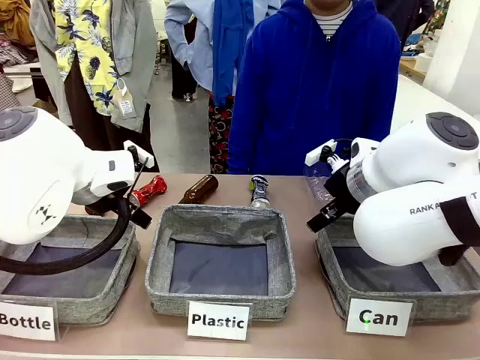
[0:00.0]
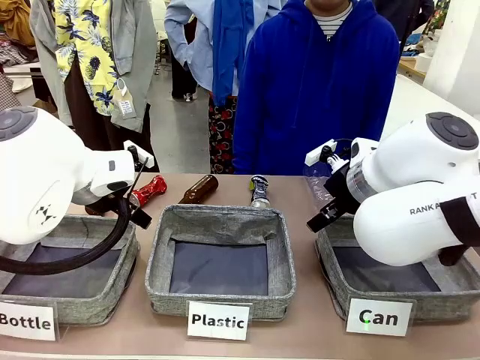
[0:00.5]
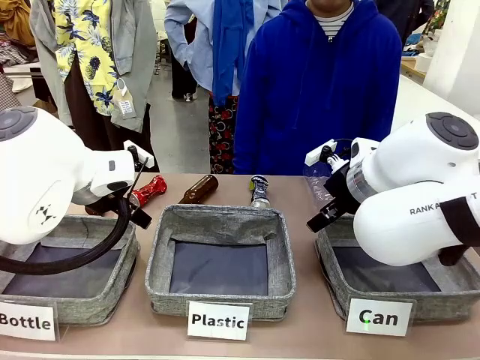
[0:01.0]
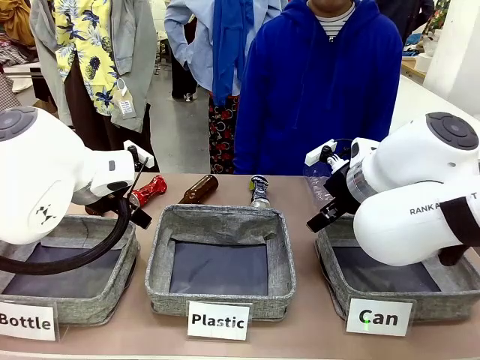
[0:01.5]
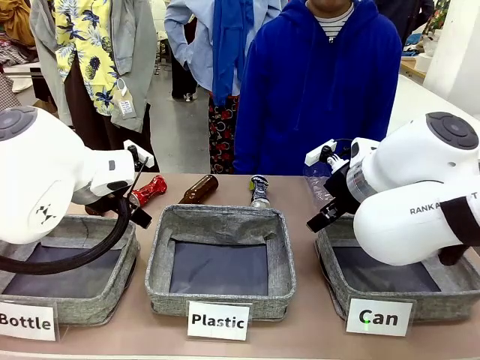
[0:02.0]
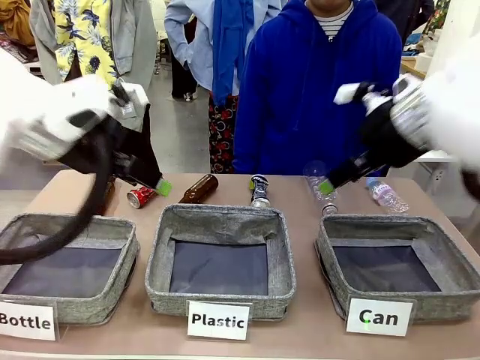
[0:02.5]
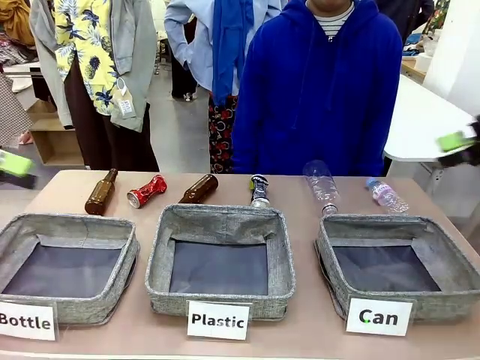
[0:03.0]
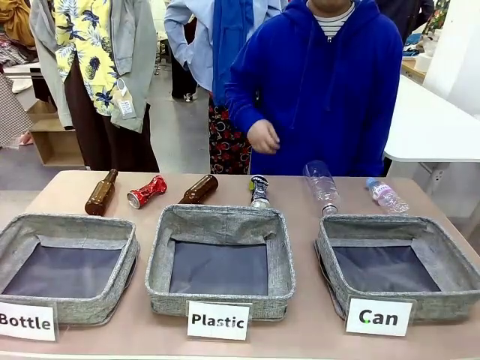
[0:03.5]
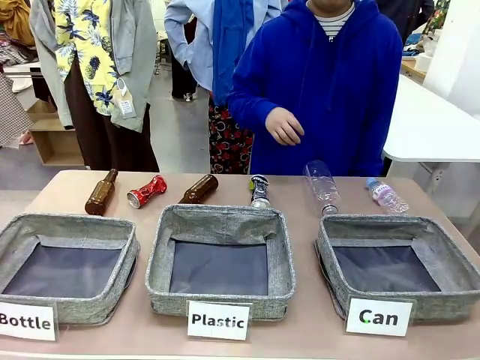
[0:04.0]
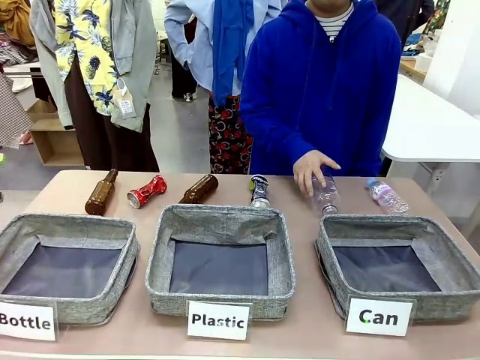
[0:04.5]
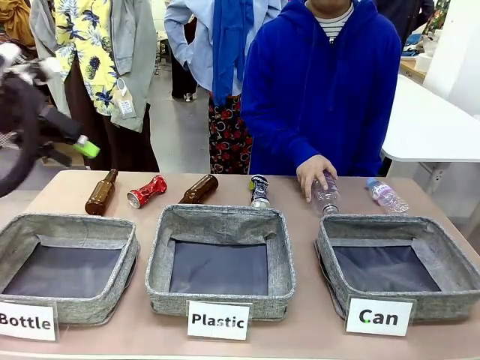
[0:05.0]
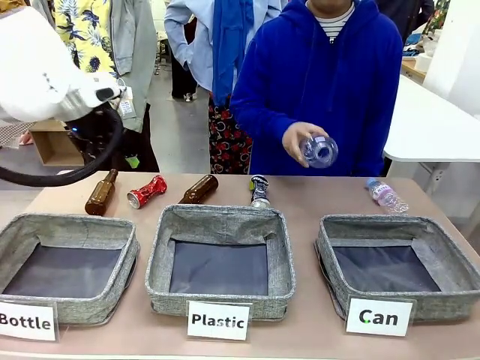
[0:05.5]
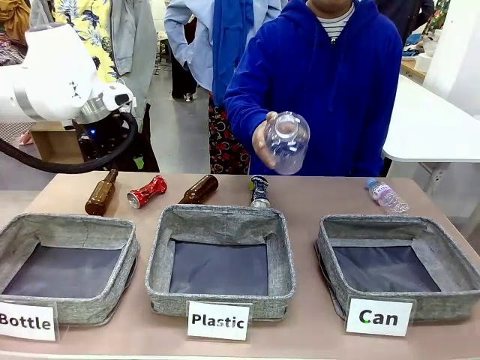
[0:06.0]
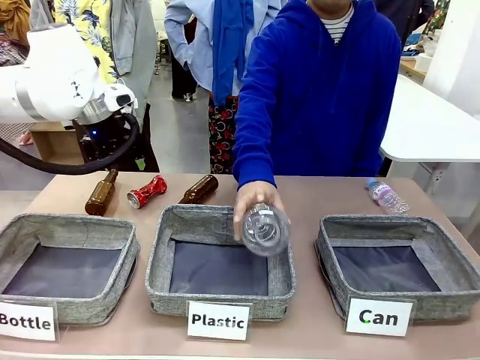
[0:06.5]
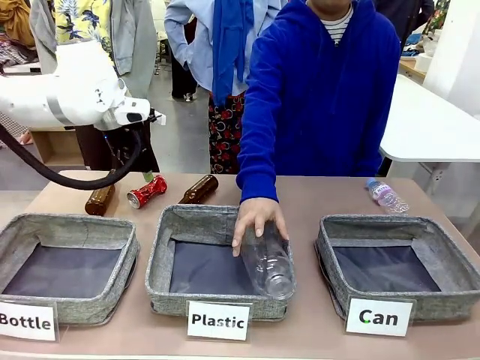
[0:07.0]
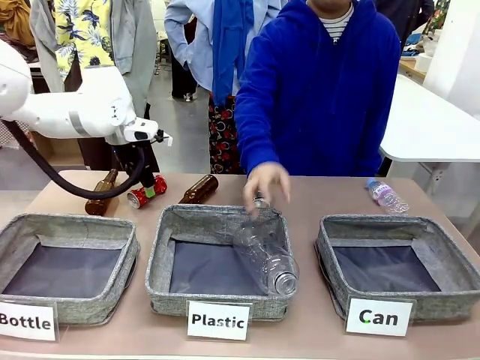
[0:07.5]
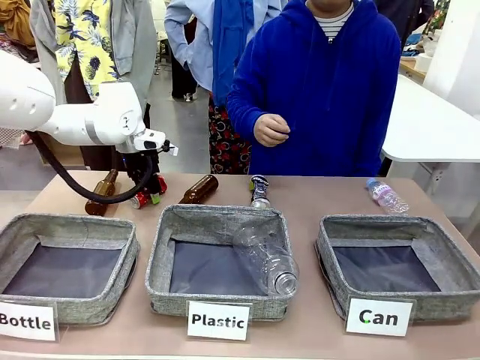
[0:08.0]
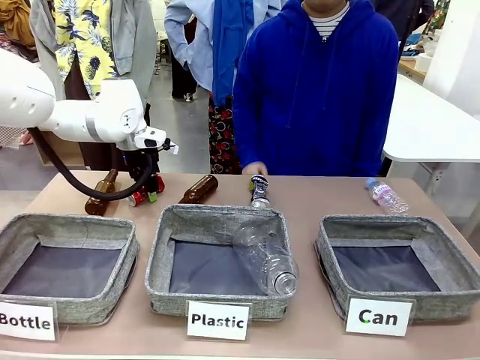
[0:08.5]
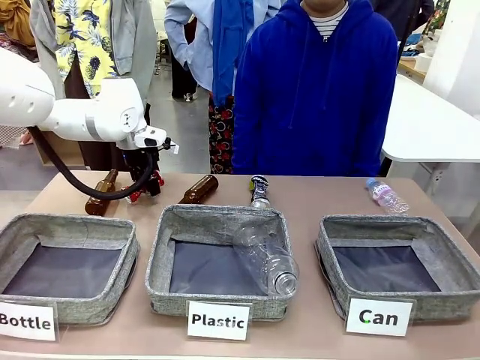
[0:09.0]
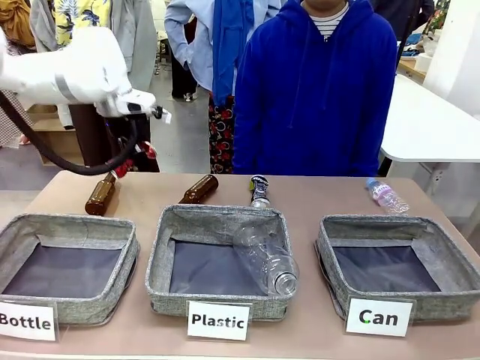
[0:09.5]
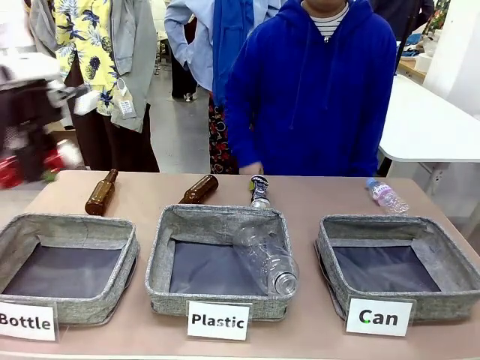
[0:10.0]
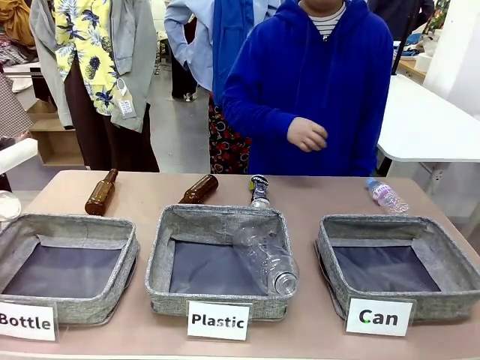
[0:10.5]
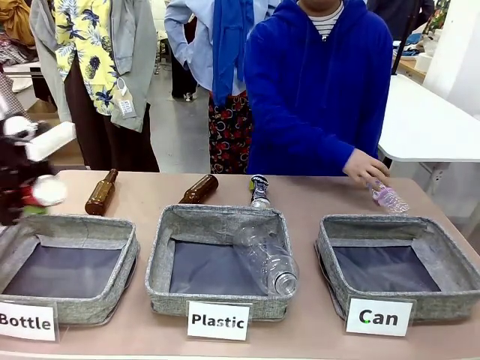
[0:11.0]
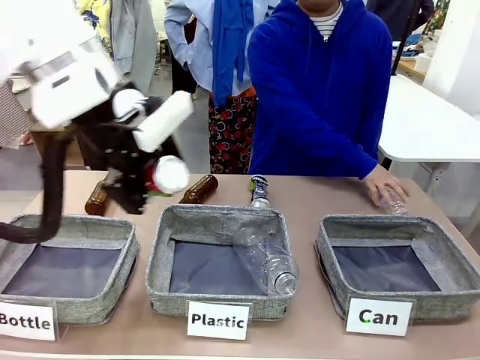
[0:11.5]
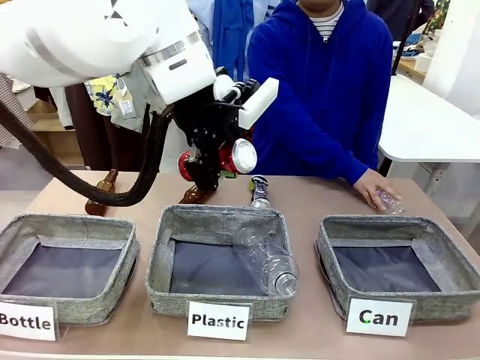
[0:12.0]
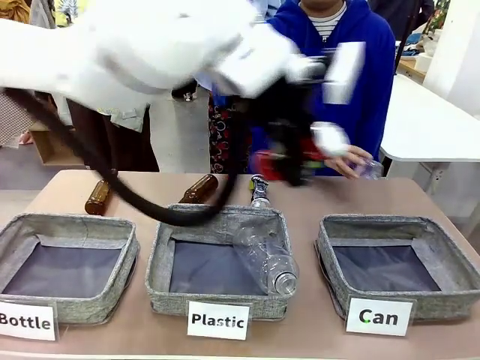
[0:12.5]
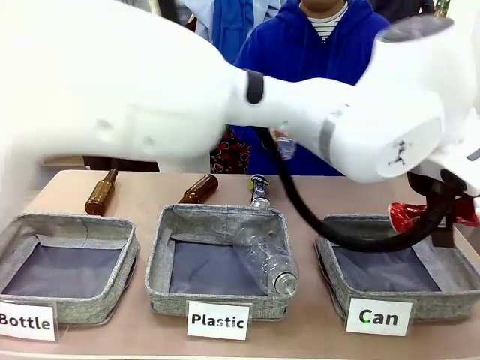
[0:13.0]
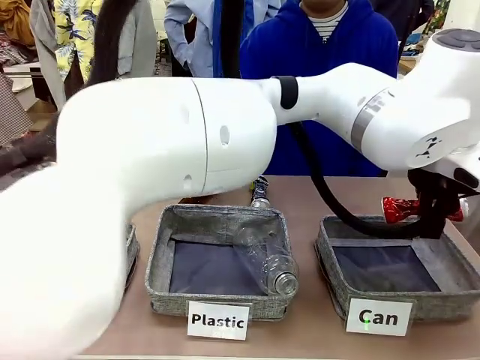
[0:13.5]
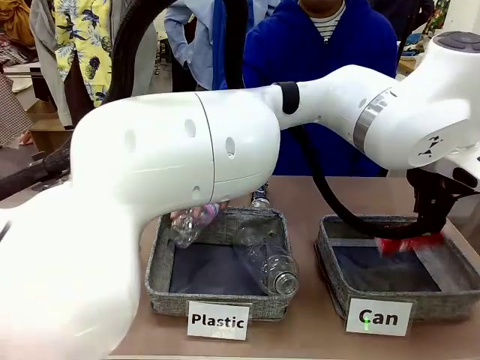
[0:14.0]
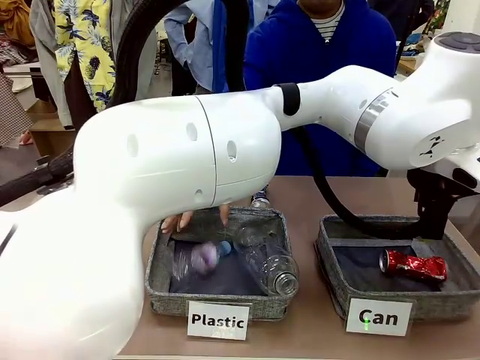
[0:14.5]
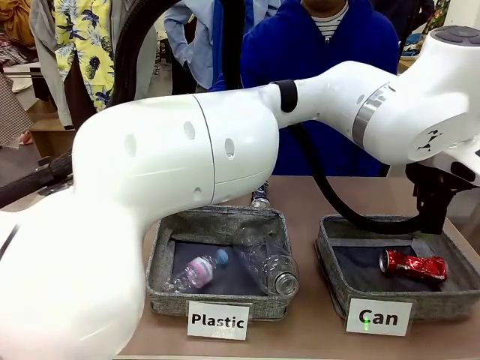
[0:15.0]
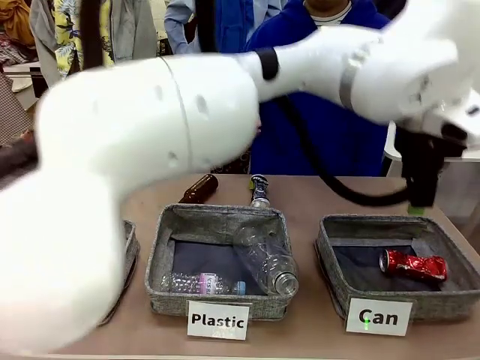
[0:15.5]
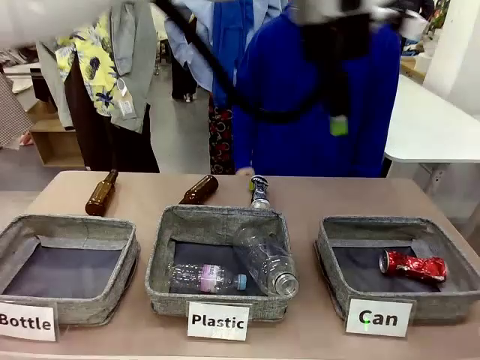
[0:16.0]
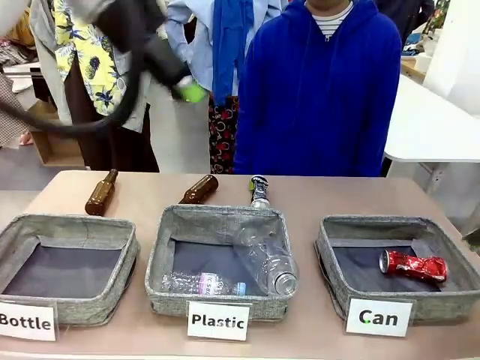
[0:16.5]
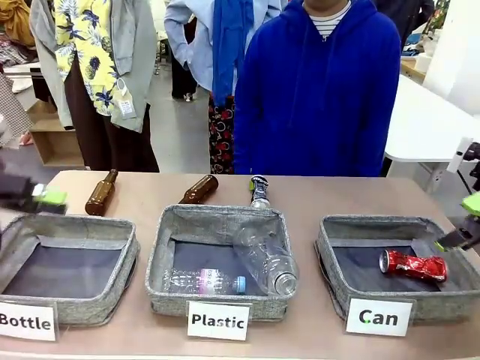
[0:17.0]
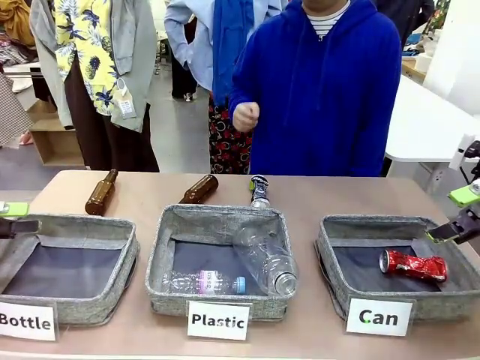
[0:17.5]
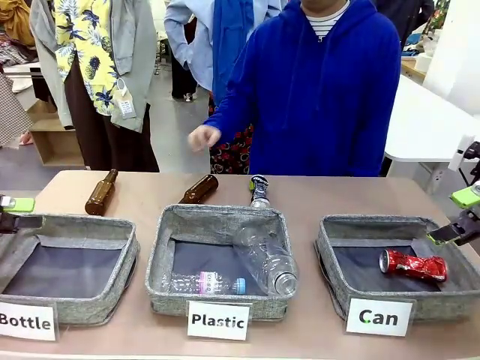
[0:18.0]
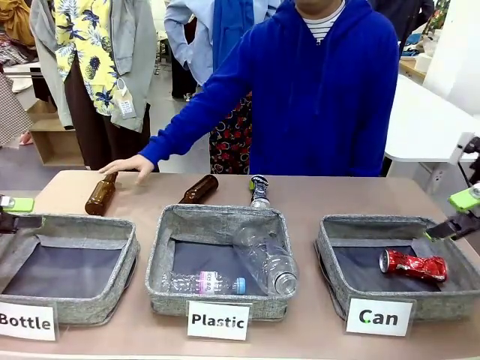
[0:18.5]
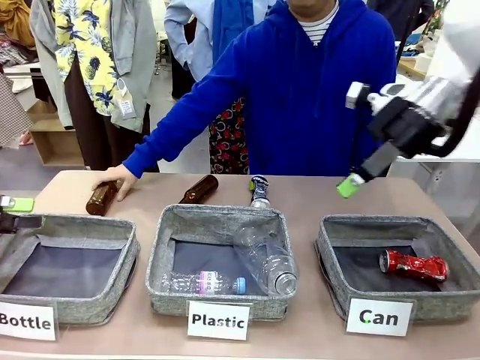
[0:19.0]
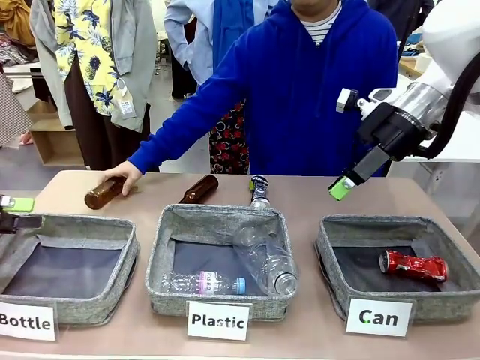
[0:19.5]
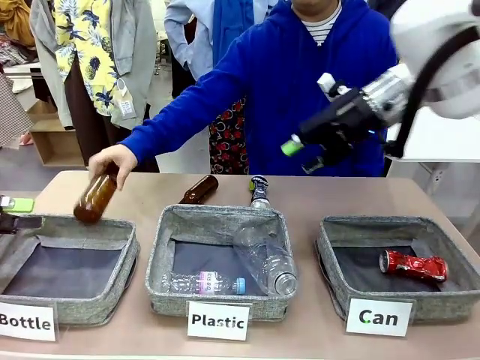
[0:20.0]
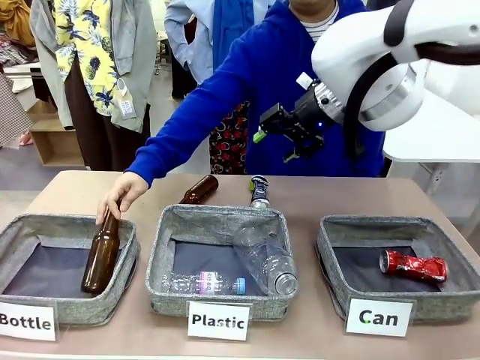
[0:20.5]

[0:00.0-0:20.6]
Task: Sort the can waste into the basket.
Robot: Pick up the can waste from the table and place it in the right Fabric basket.

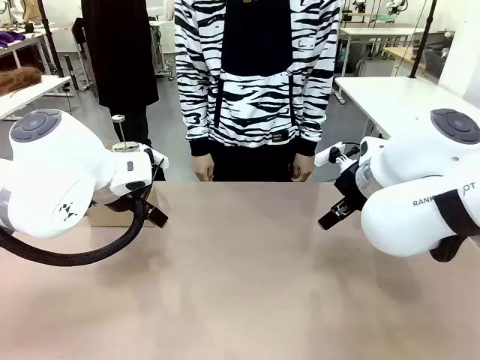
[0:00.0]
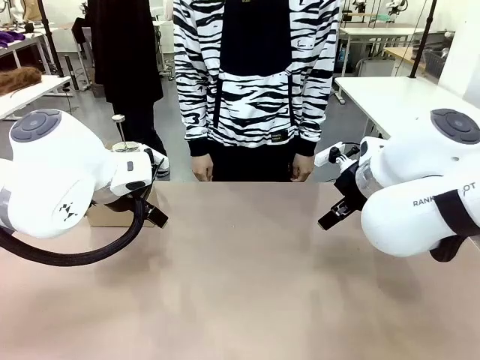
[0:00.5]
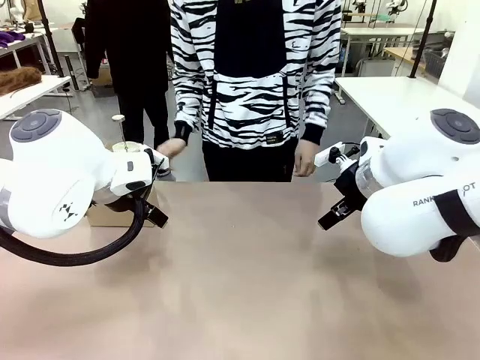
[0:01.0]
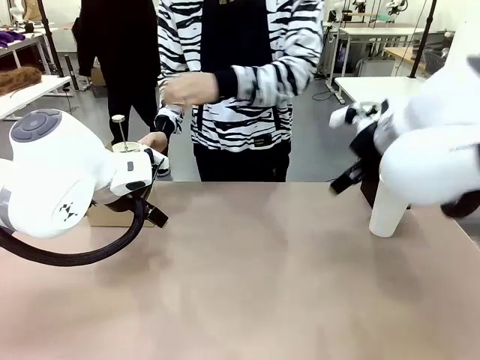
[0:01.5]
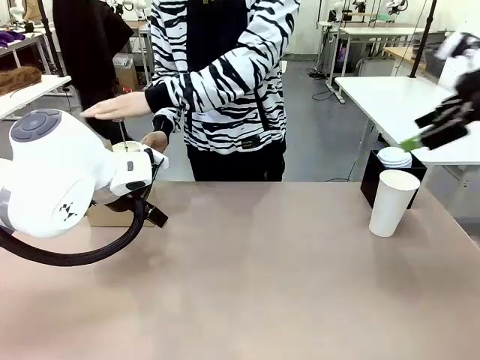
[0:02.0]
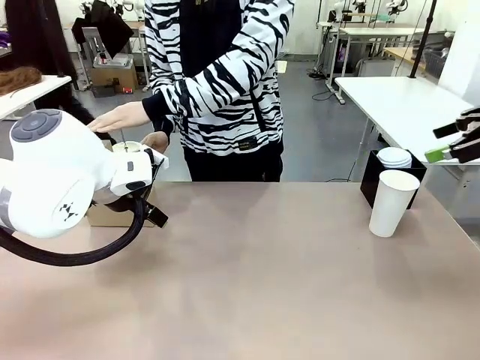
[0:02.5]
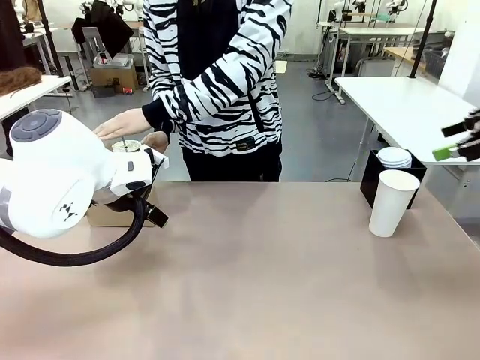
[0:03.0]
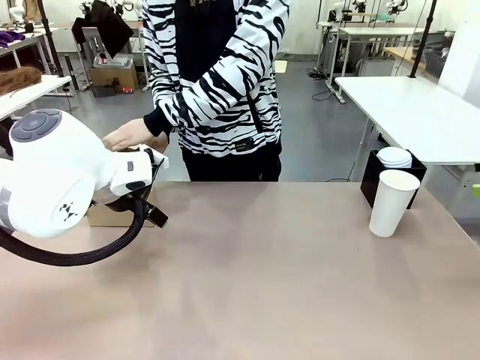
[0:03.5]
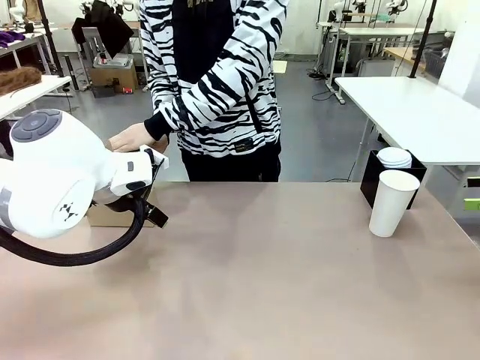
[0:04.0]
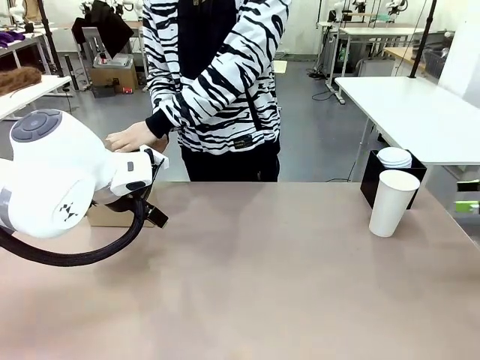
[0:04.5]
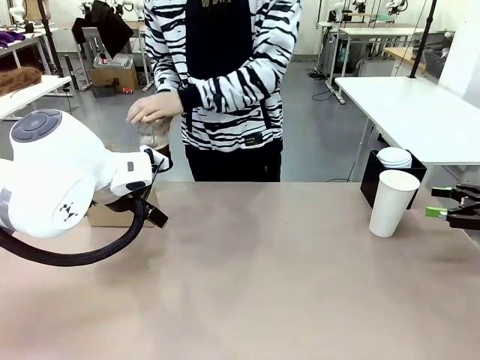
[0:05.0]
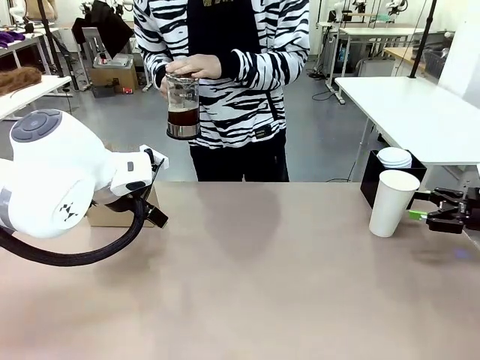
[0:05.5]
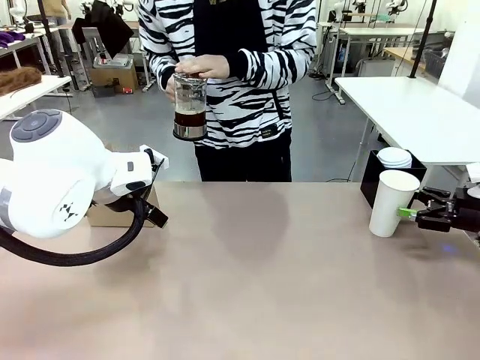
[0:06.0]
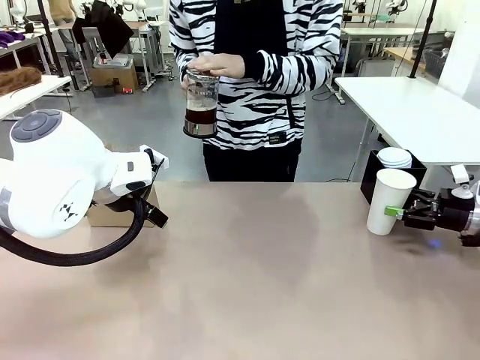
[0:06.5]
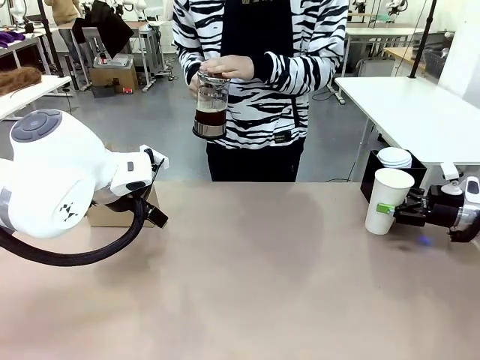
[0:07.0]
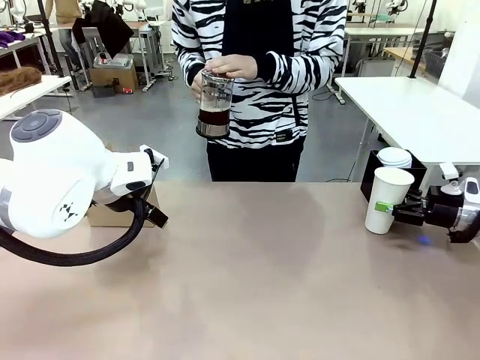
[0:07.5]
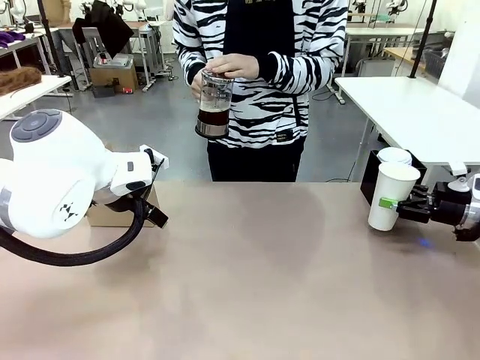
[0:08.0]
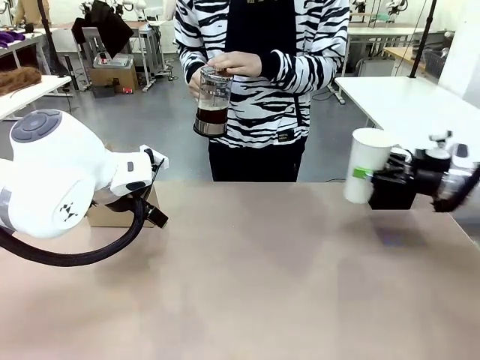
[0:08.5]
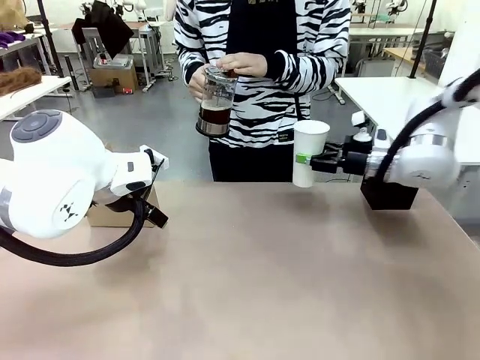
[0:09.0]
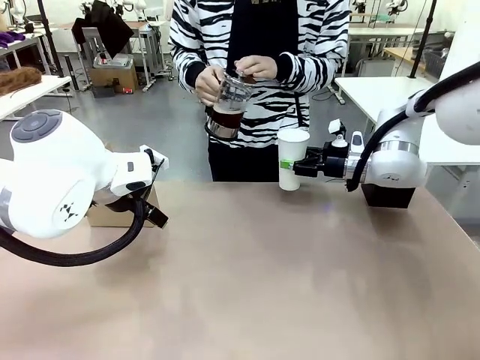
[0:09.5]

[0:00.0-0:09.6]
Task: Pour a drink into a cup and package it in a carrier.
Robot: Pick up the 600 ml Paper Cup and place it in the middle top area of the table.
Person: Press and pick up the Filter Brewing.
